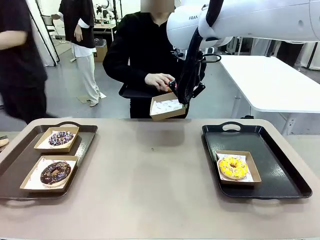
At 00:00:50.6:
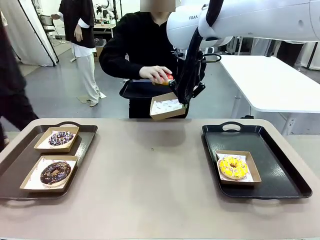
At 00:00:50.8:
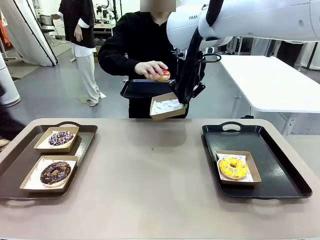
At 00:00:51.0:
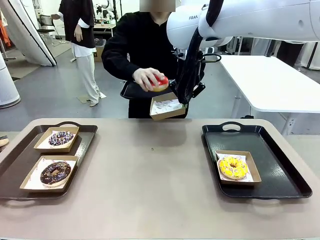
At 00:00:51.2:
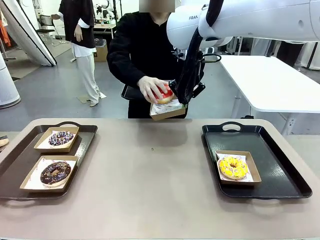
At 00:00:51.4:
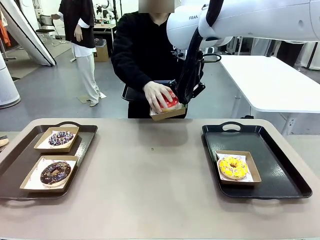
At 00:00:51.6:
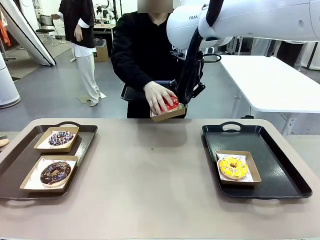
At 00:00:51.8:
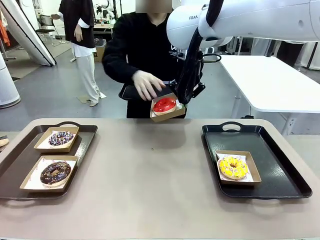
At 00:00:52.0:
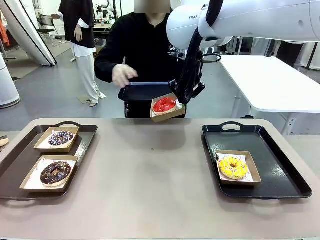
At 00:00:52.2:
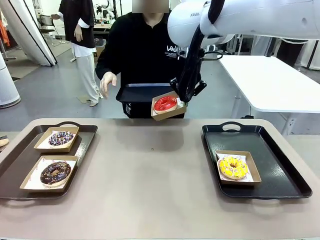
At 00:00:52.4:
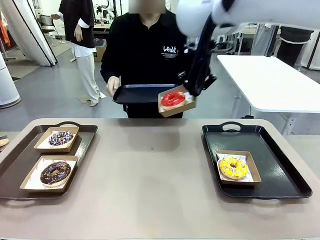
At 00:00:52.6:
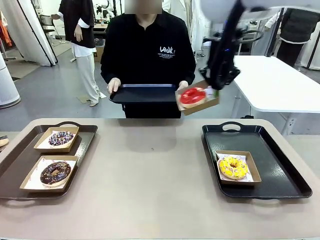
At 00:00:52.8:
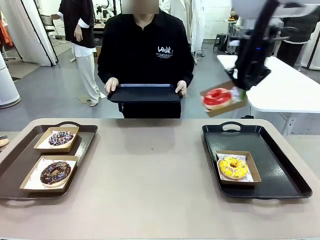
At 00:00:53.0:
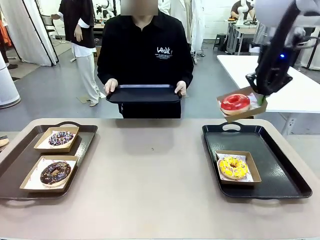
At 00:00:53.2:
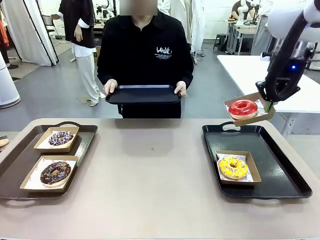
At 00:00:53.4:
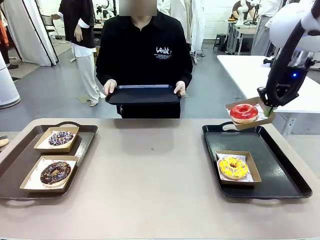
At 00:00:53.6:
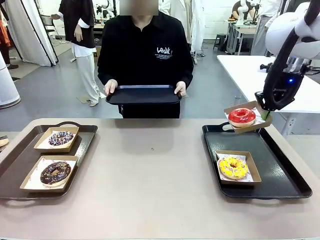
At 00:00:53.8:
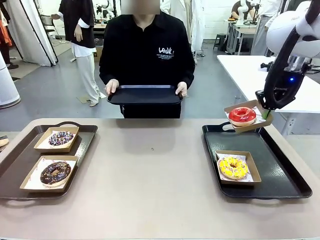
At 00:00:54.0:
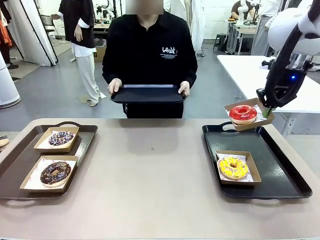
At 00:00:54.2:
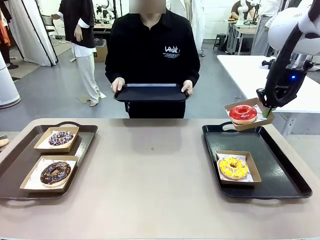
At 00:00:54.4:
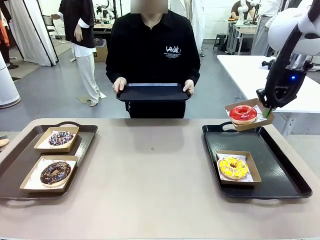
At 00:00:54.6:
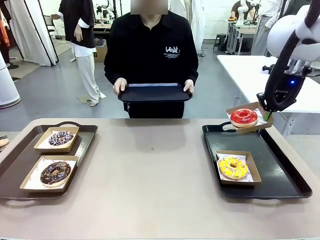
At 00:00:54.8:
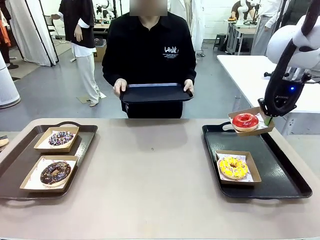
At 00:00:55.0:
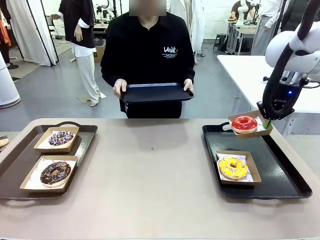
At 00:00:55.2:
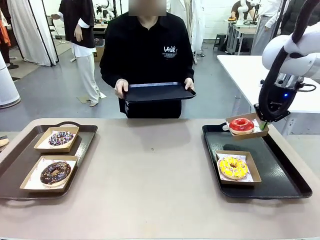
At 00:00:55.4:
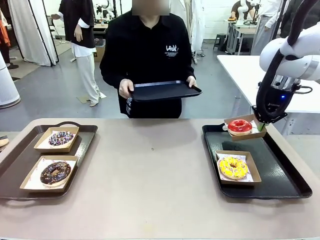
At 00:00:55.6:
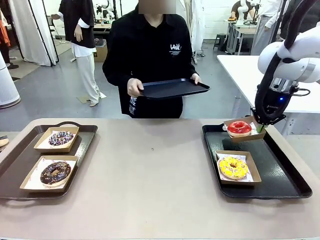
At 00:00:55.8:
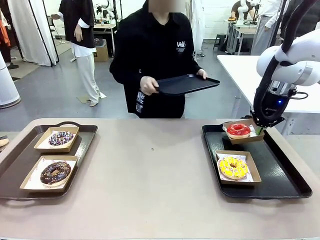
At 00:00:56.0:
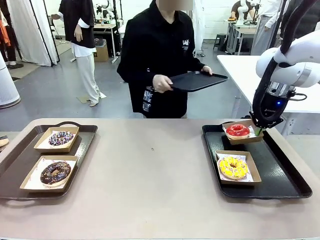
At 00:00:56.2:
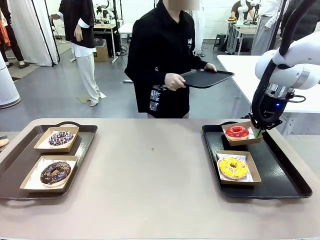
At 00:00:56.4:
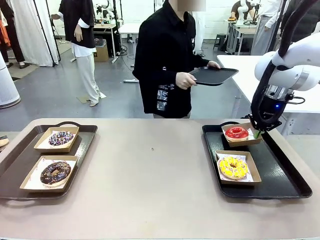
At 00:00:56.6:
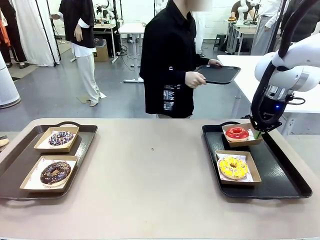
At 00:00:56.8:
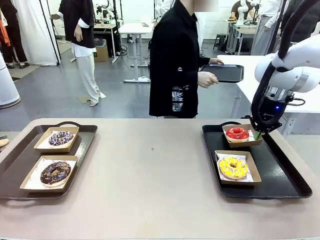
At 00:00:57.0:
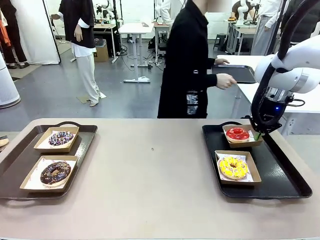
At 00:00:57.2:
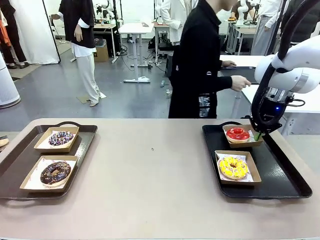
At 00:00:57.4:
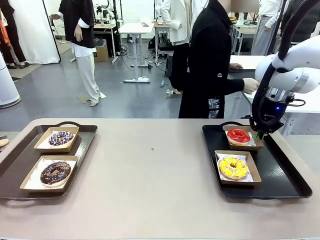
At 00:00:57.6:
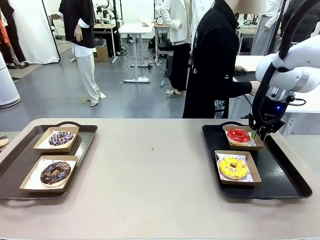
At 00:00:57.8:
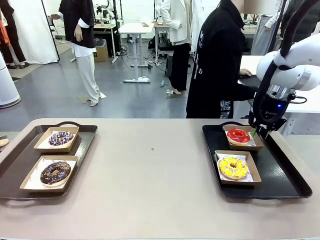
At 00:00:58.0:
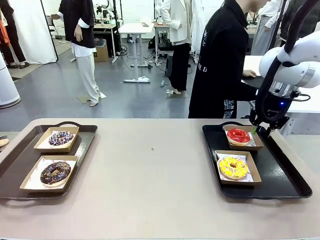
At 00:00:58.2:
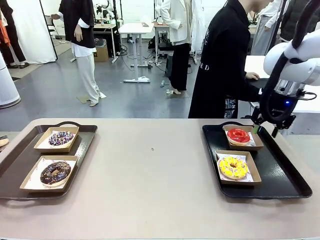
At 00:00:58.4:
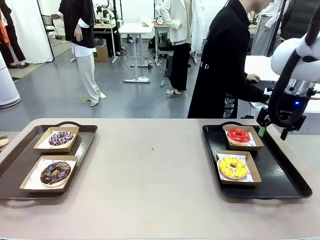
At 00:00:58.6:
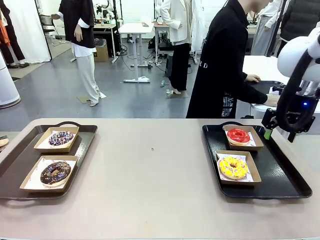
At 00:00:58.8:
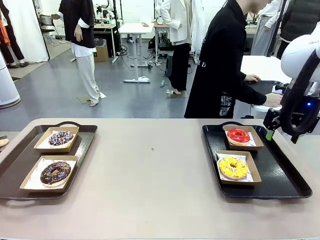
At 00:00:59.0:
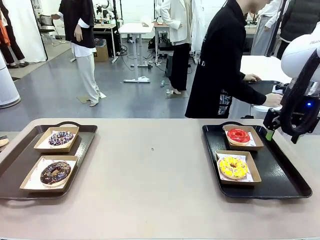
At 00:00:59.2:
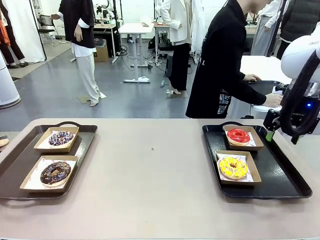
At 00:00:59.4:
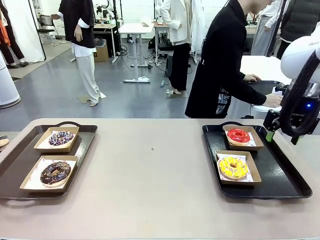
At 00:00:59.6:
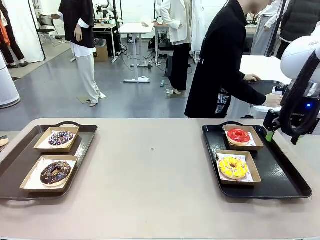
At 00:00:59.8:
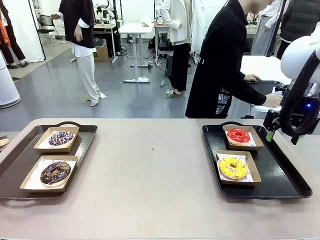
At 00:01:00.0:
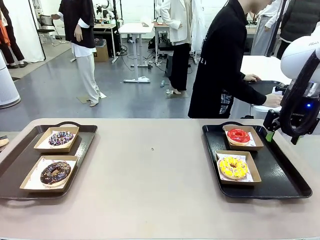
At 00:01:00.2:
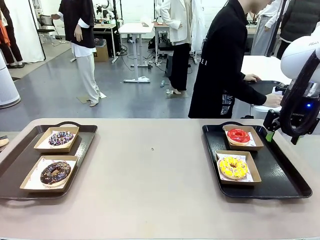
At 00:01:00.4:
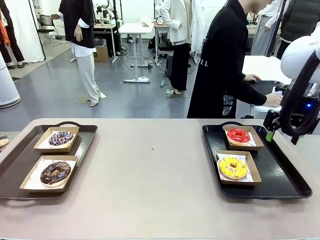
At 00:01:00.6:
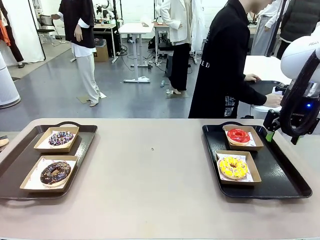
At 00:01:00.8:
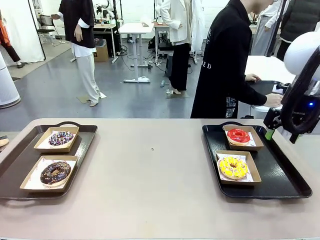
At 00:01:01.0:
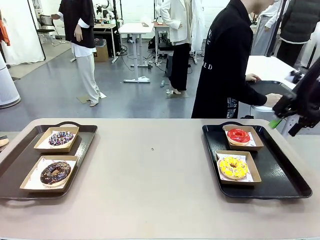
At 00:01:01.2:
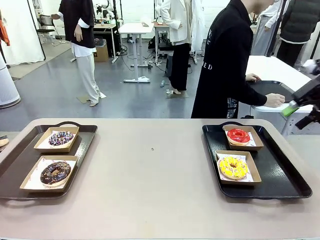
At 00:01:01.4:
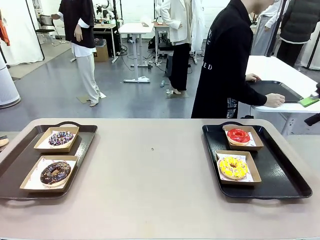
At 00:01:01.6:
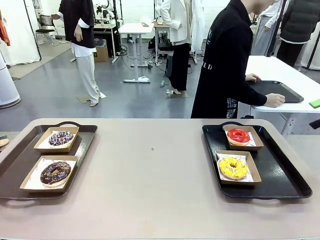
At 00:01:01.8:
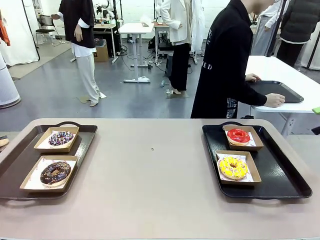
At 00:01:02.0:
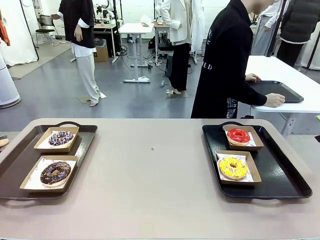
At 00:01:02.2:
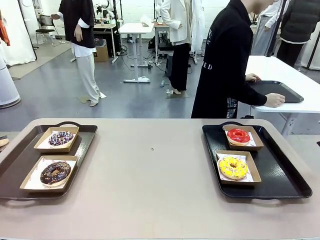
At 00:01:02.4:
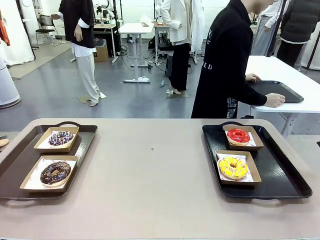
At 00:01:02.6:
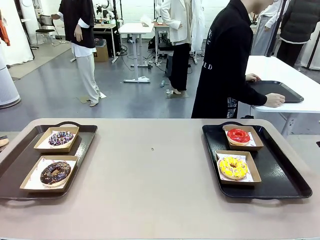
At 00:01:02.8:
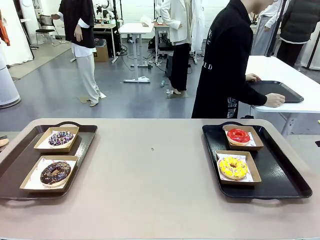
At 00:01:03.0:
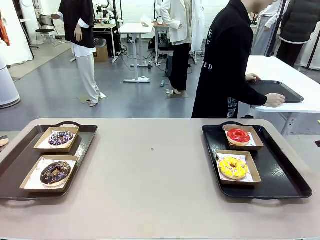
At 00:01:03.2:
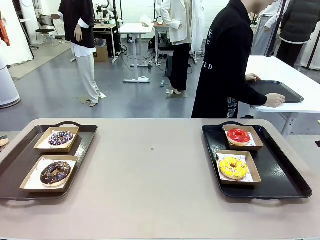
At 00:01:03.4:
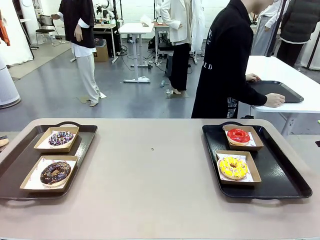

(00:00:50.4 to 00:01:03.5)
Task: Individually package the donuts and arrange them on the tray.
Robot: Place the picked Paper togo box on the Handle tray.
Person: Place the tray down in the middle of the human table.
